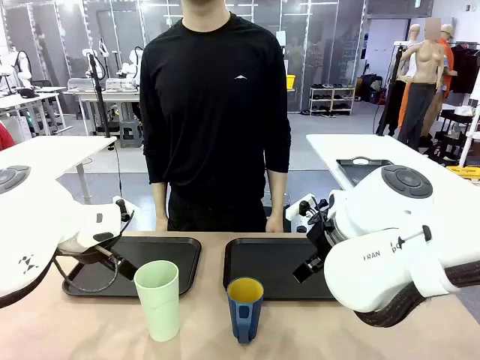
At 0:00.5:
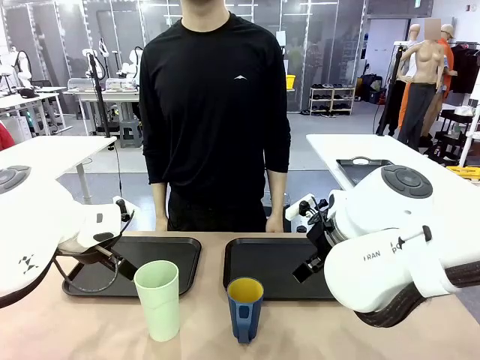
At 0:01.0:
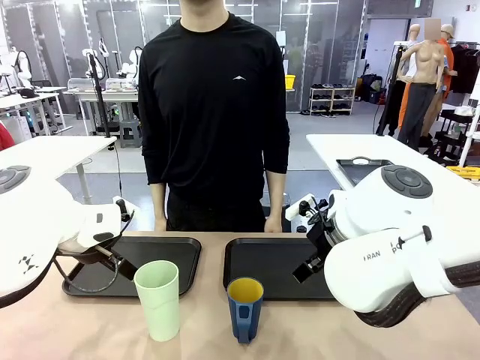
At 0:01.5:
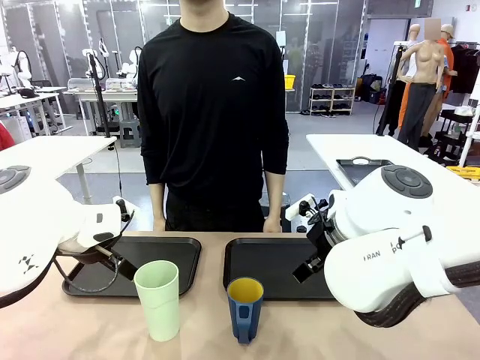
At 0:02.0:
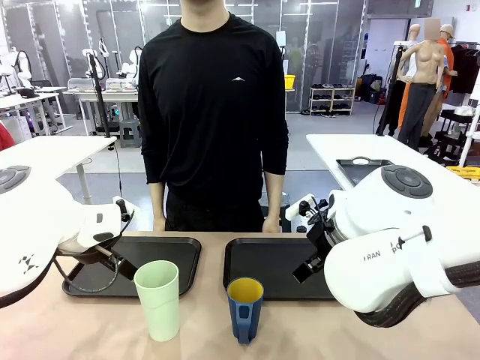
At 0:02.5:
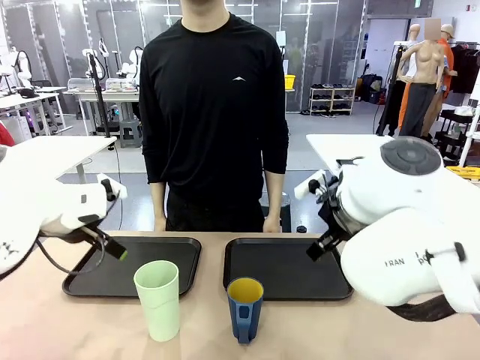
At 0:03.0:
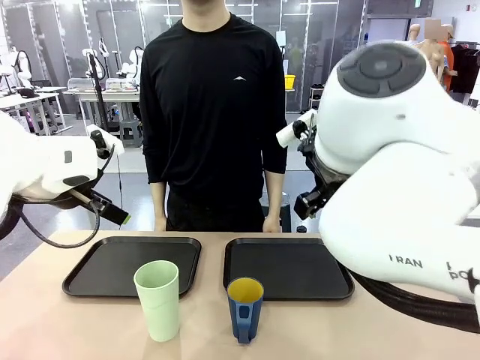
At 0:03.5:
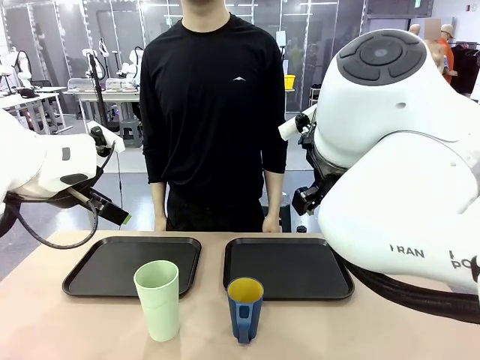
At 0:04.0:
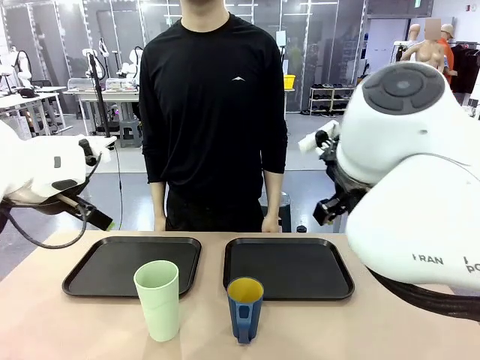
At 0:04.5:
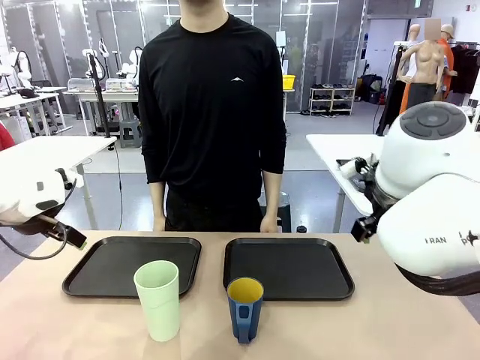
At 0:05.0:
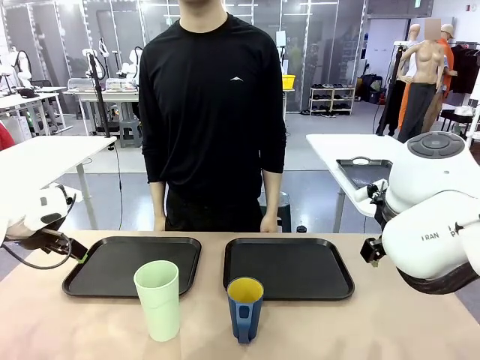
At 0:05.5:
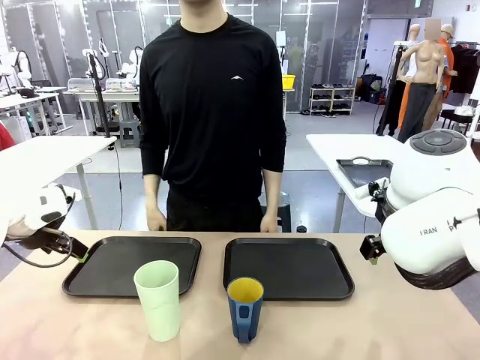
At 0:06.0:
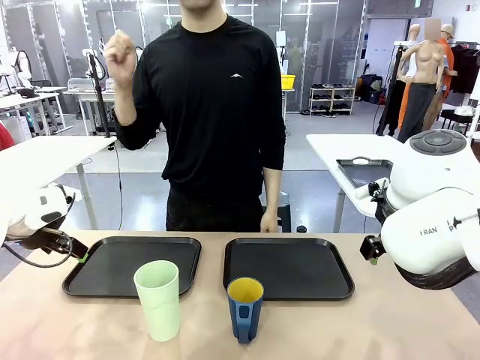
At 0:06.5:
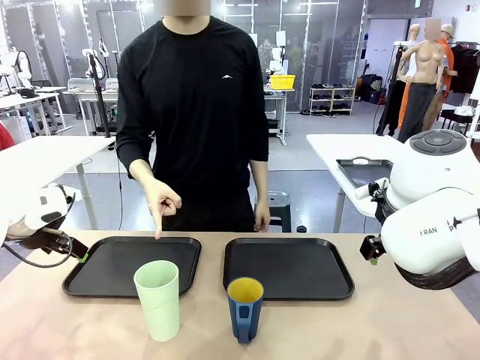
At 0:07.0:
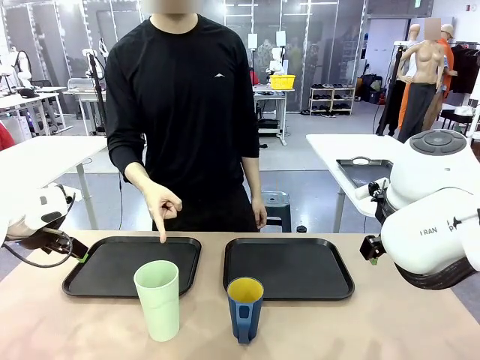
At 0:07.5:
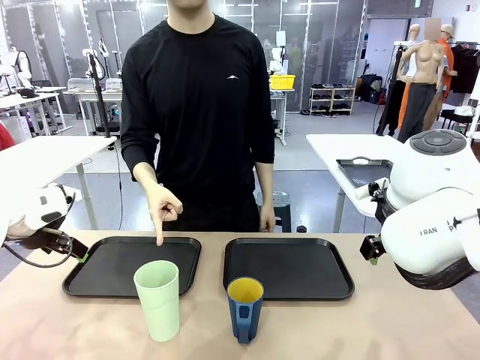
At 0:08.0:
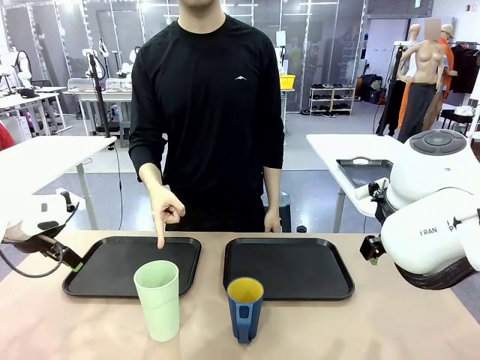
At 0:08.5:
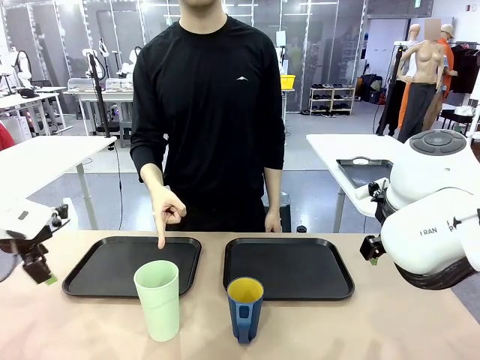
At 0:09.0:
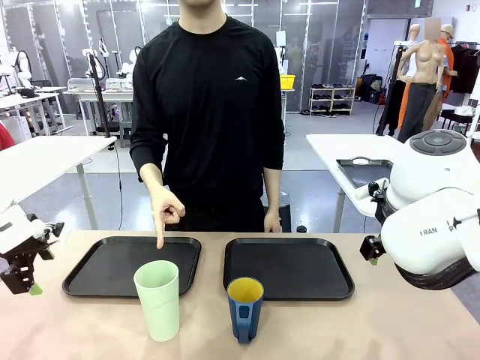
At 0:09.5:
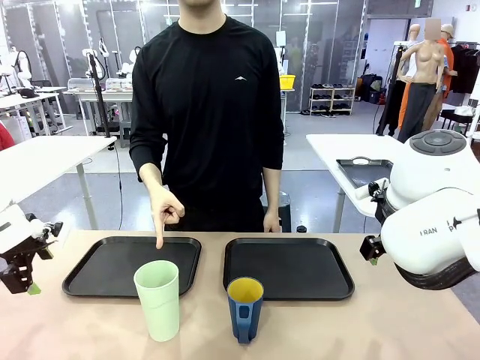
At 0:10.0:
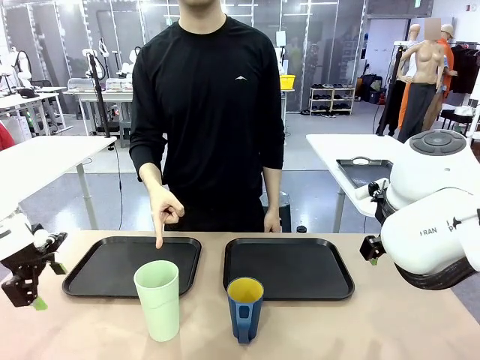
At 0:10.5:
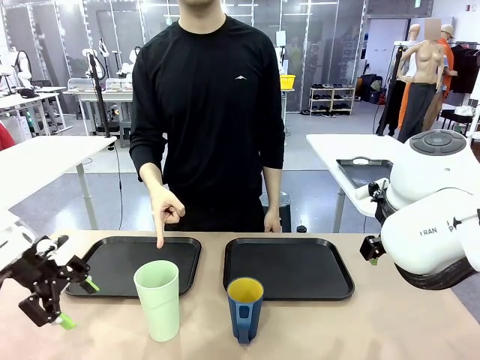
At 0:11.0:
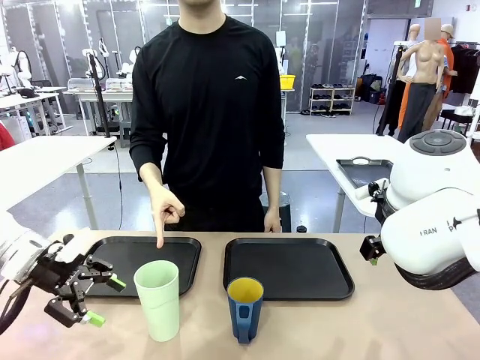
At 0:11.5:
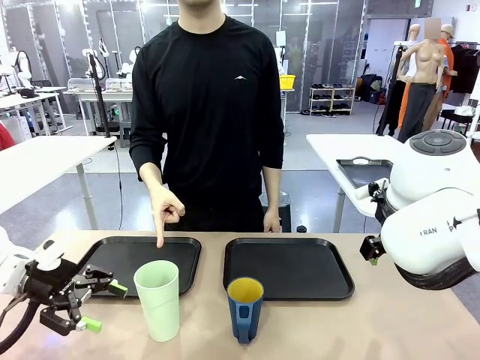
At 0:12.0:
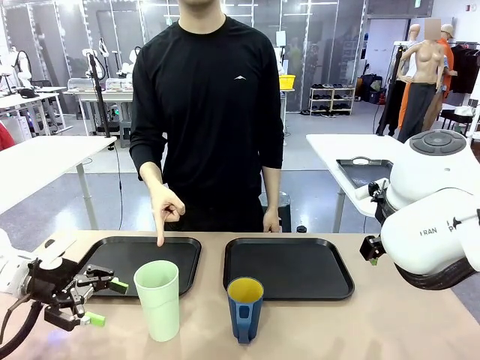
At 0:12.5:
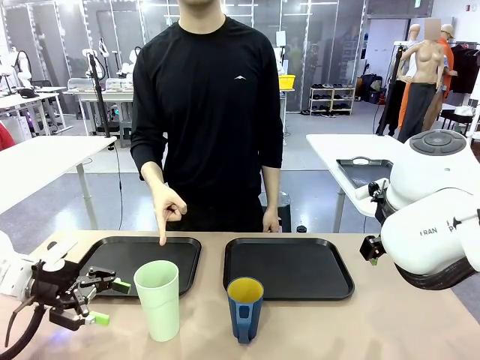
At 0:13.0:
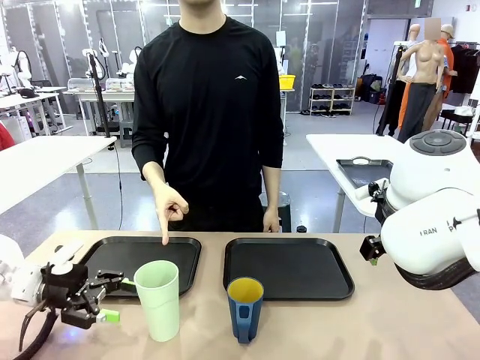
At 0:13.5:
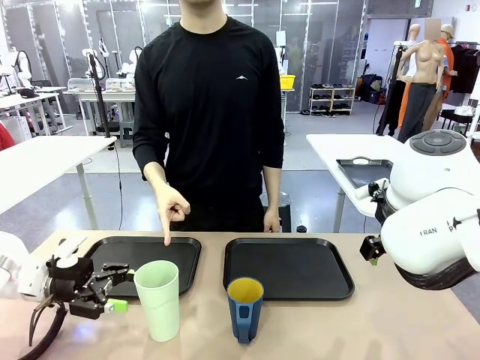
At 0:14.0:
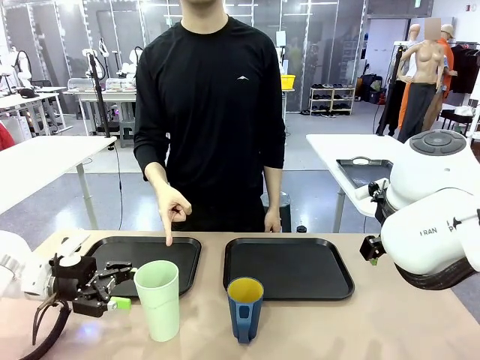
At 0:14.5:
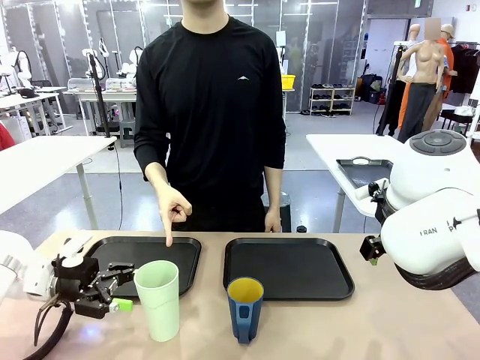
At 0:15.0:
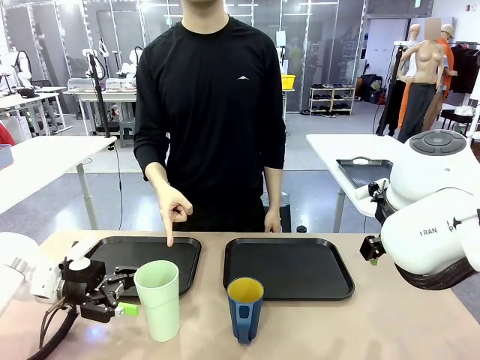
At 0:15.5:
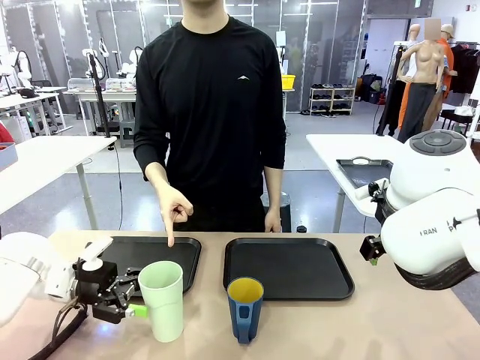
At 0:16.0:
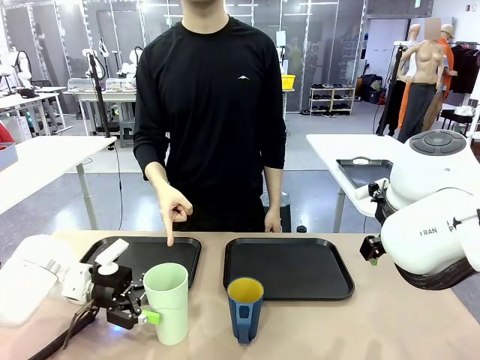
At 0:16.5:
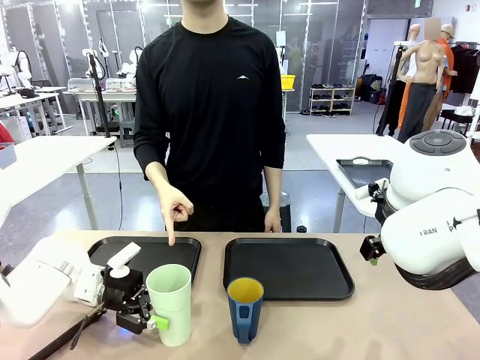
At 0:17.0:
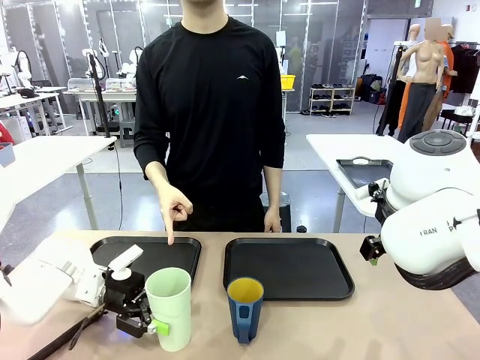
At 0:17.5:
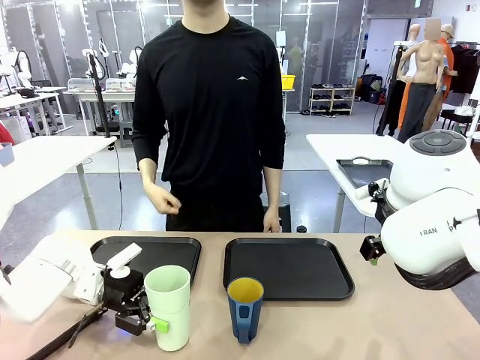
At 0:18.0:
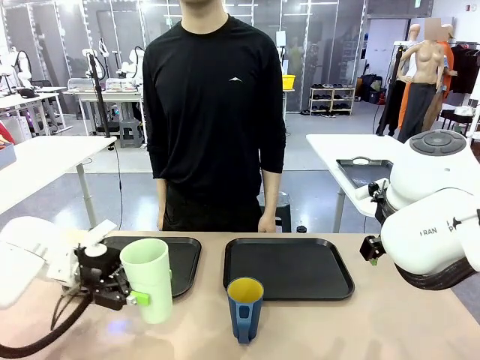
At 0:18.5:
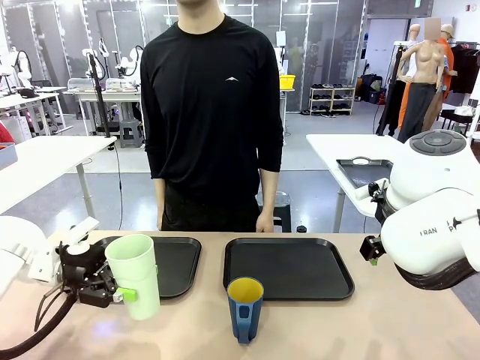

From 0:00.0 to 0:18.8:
Task: Sort and store the cups by type.
Robot: Pick up the Reusable plastic cup.
Person: Points to the reusable cup. Point to one of the two trays.

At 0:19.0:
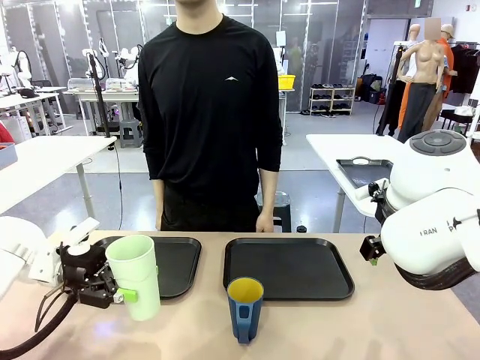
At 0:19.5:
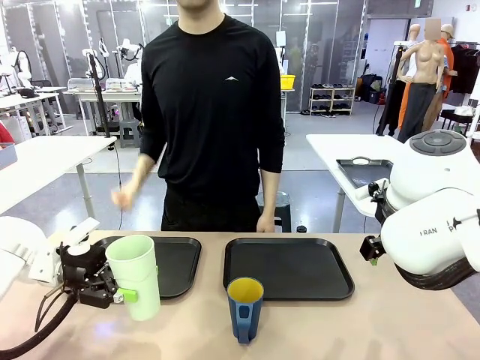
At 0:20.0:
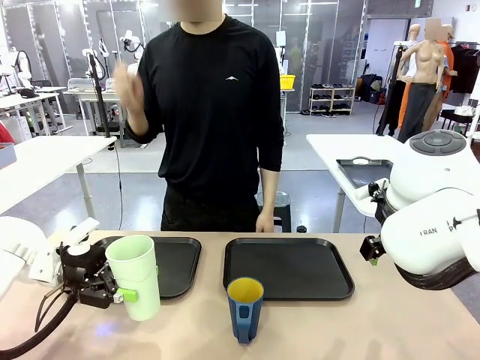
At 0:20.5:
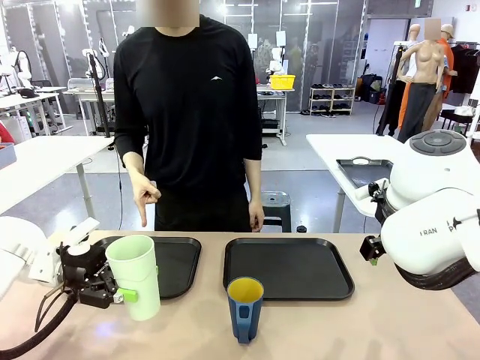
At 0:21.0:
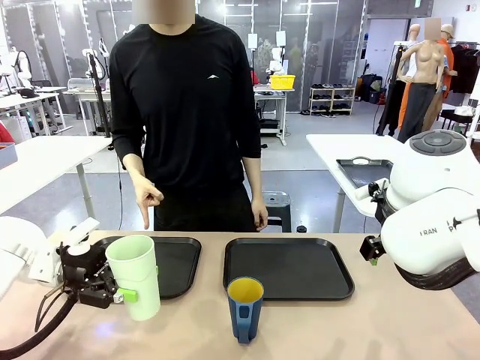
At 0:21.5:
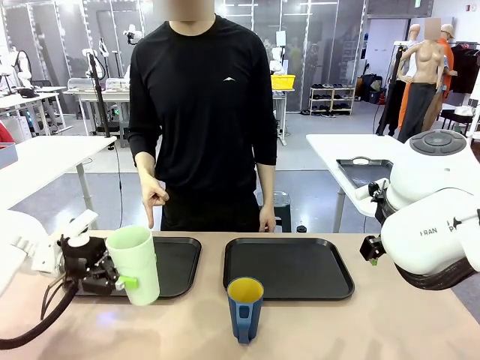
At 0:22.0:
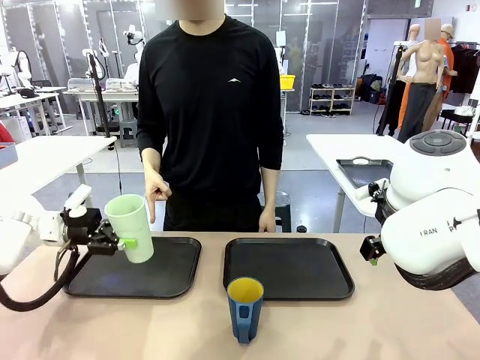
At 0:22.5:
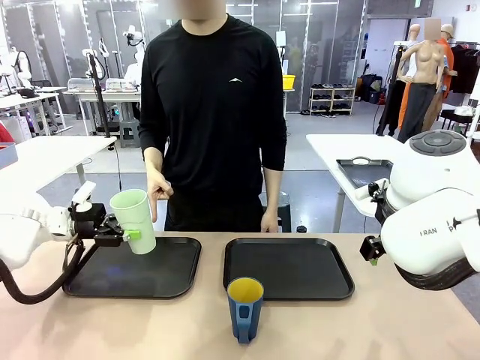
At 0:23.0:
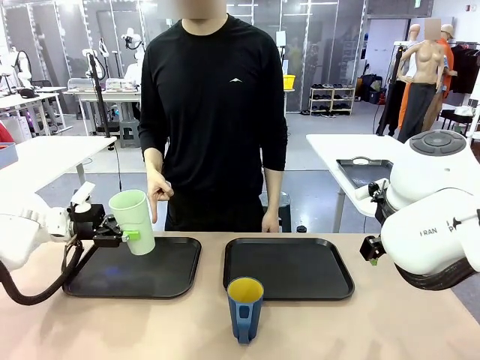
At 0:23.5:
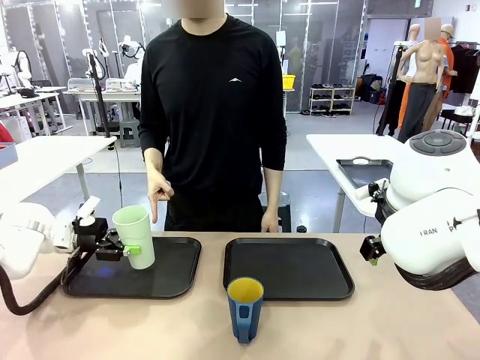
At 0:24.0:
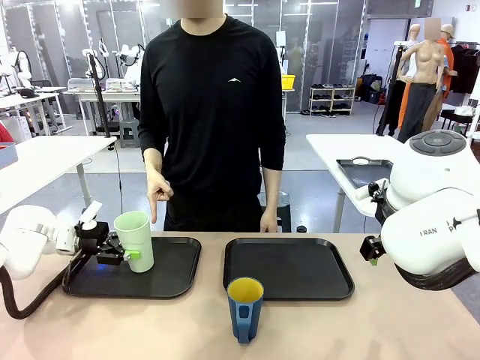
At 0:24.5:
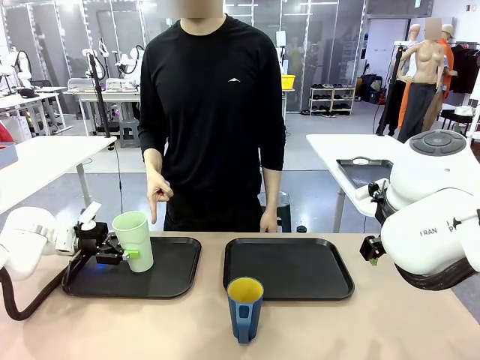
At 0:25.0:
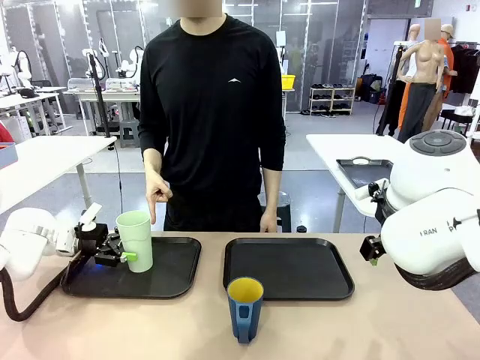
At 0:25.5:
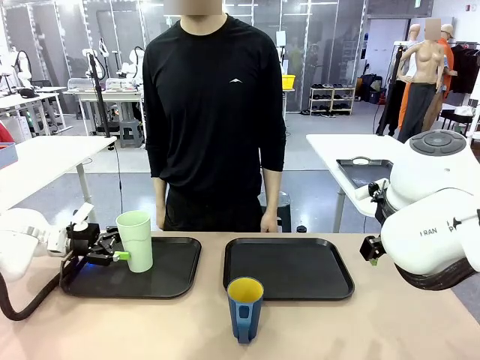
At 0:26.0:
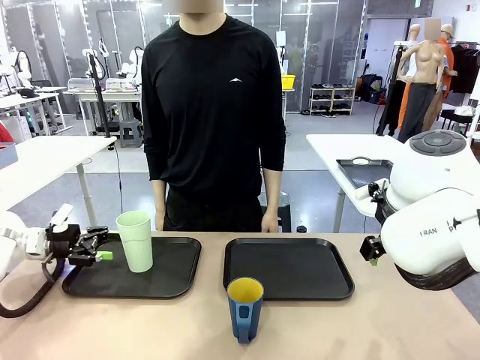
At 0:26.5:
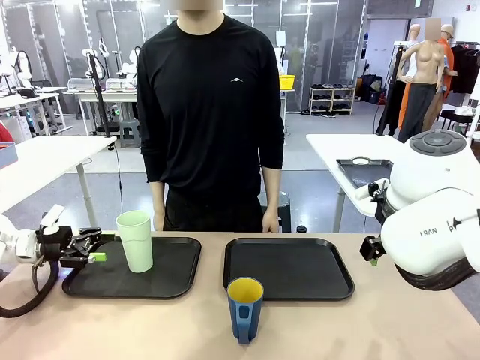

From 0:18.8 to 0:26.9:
Robot: Place the picked Reusable plastic cup into the Flat Tray indicated by the person.
